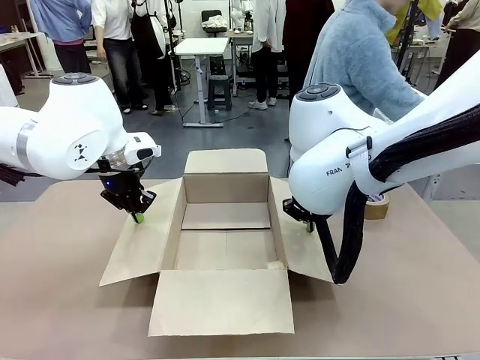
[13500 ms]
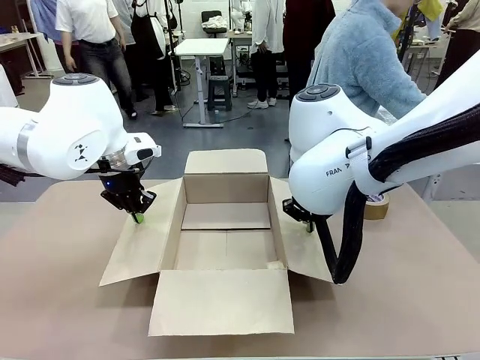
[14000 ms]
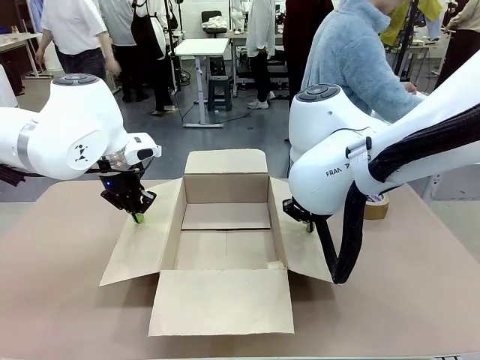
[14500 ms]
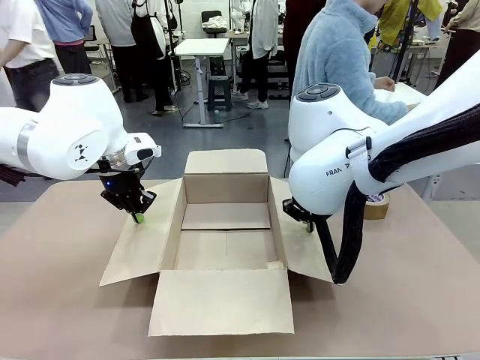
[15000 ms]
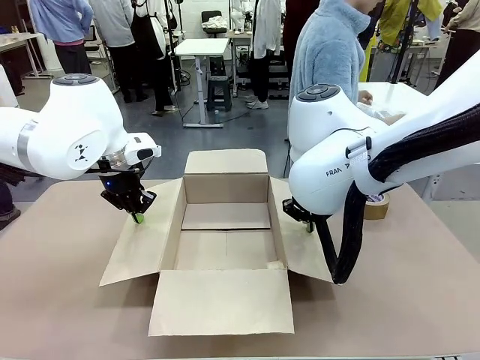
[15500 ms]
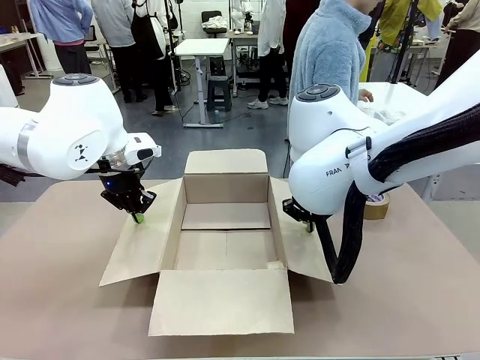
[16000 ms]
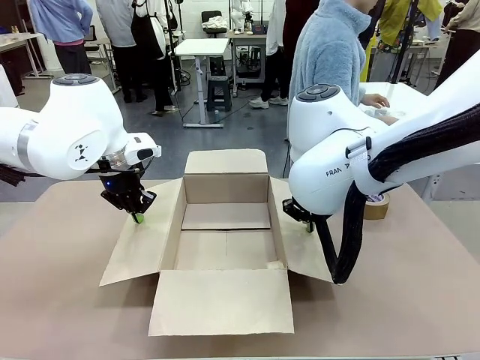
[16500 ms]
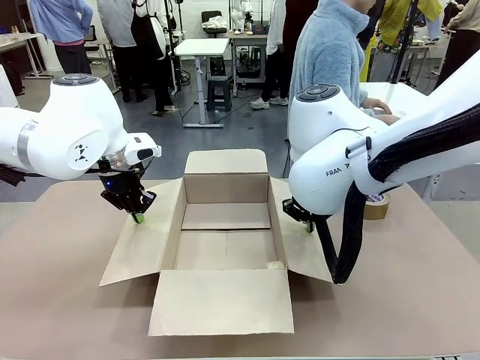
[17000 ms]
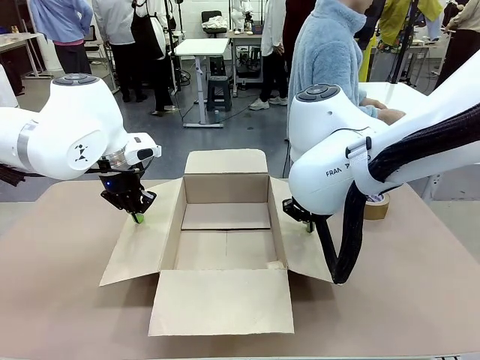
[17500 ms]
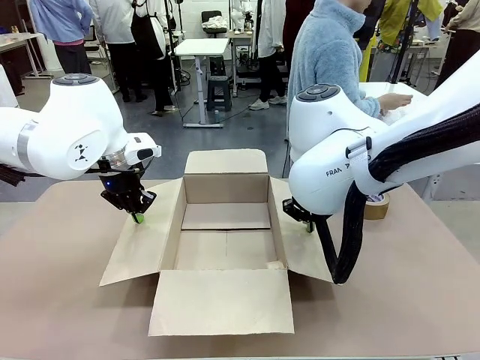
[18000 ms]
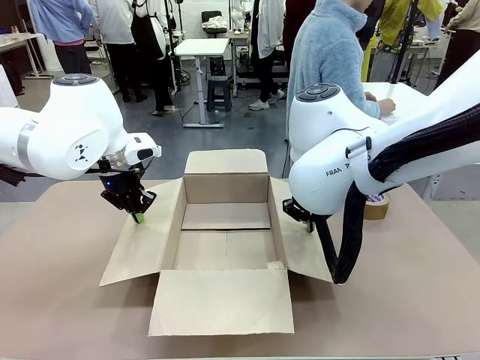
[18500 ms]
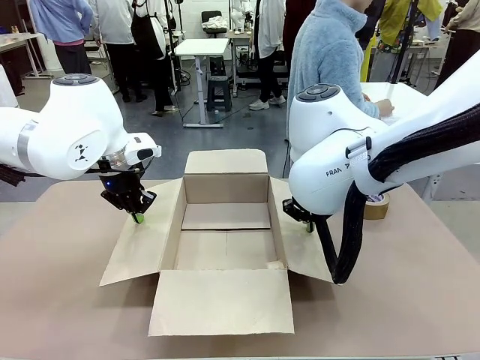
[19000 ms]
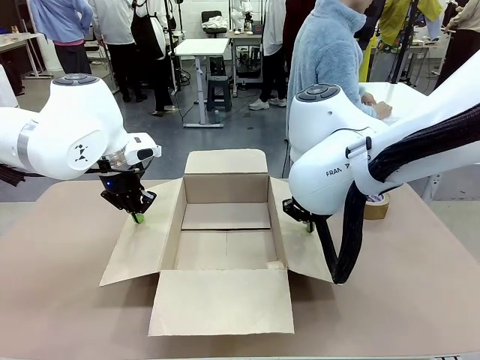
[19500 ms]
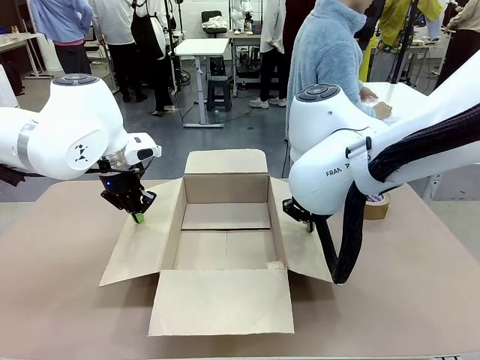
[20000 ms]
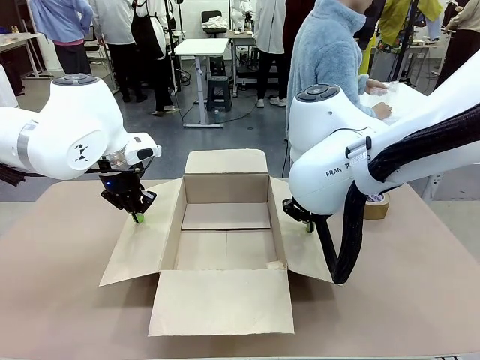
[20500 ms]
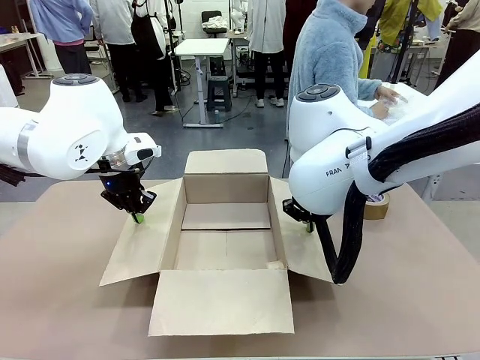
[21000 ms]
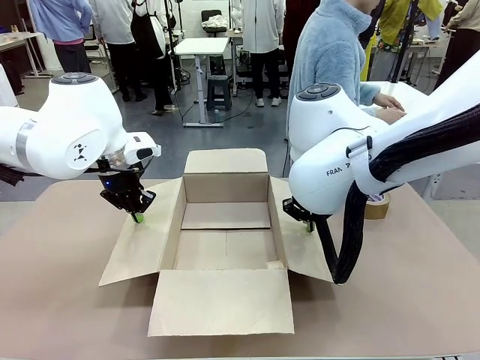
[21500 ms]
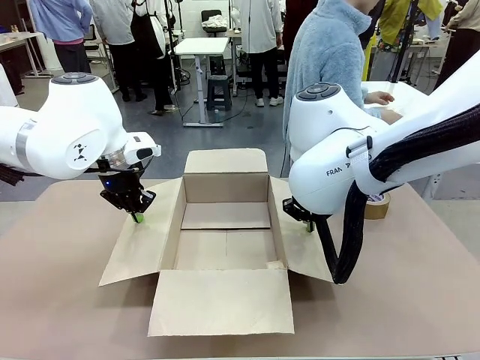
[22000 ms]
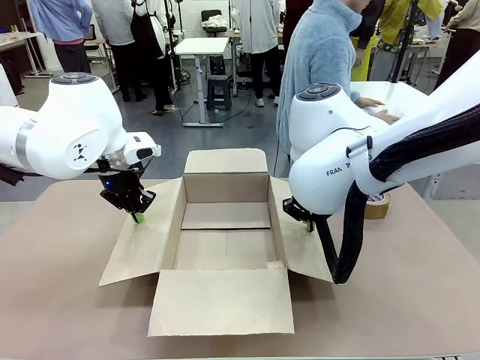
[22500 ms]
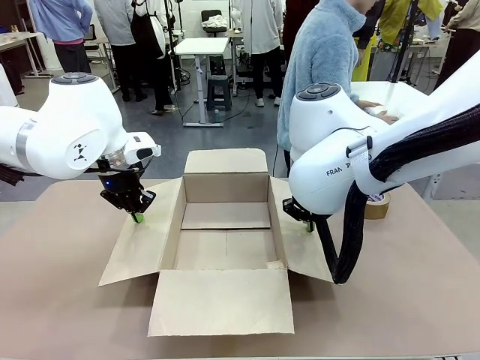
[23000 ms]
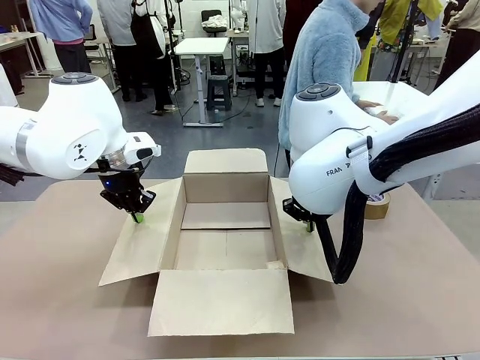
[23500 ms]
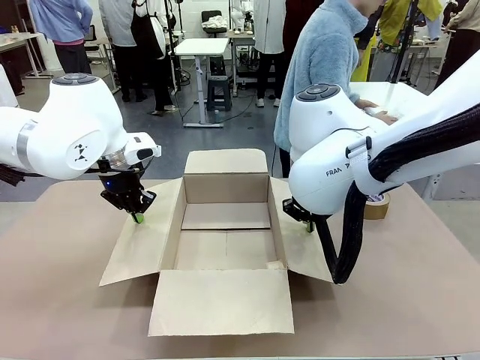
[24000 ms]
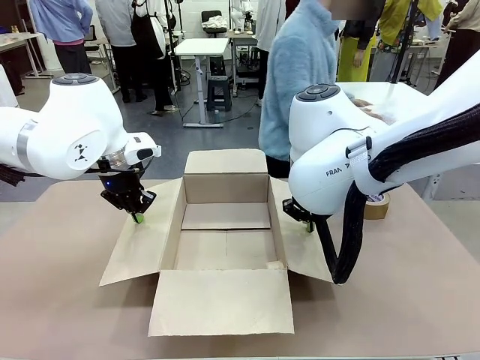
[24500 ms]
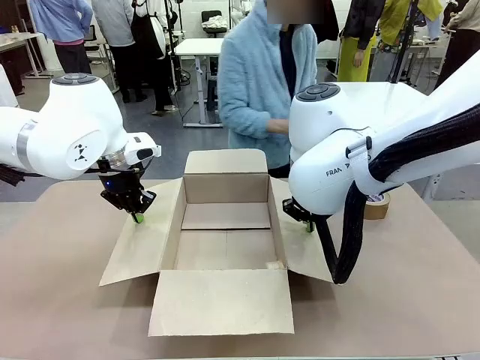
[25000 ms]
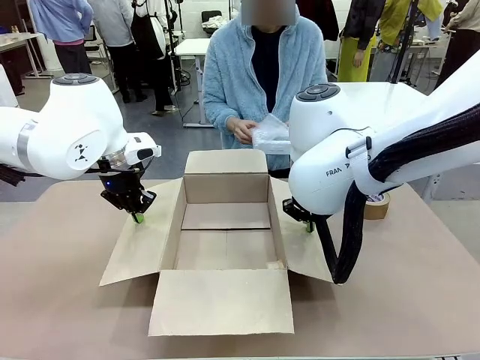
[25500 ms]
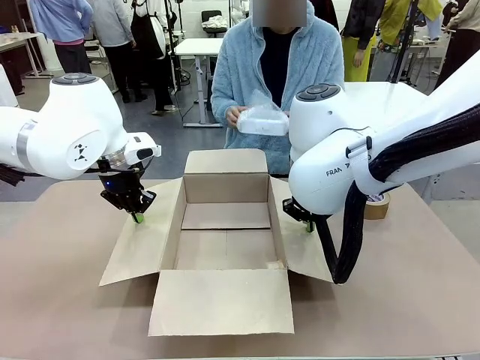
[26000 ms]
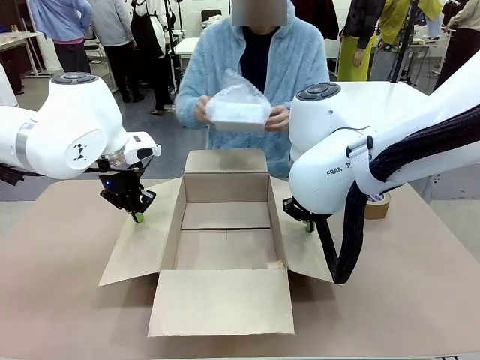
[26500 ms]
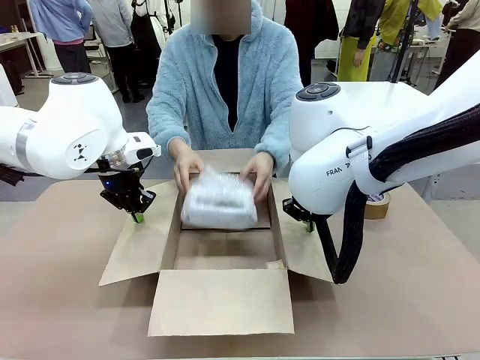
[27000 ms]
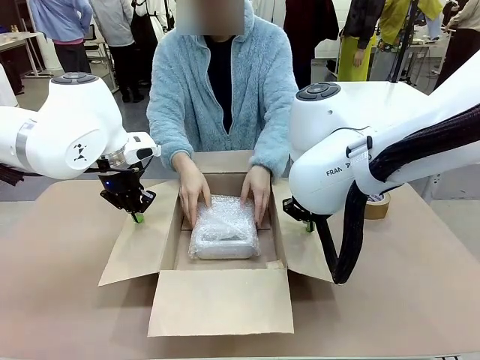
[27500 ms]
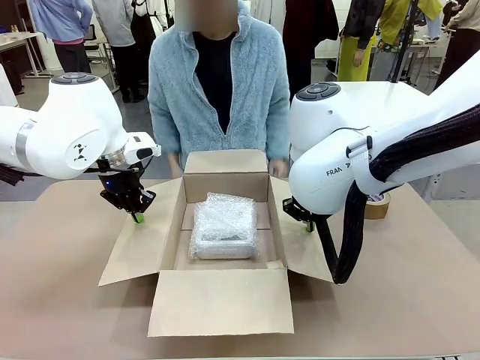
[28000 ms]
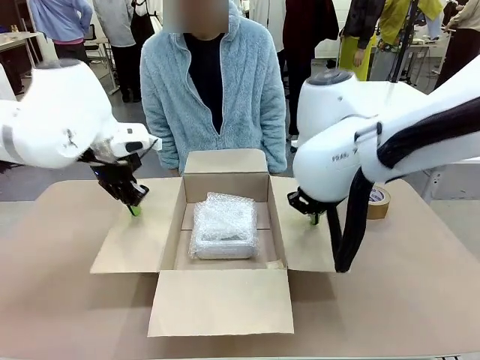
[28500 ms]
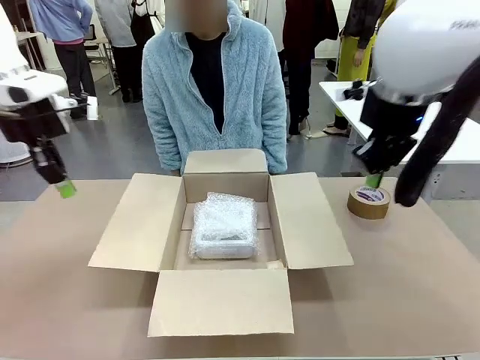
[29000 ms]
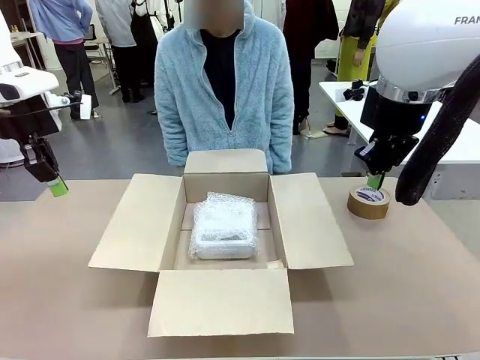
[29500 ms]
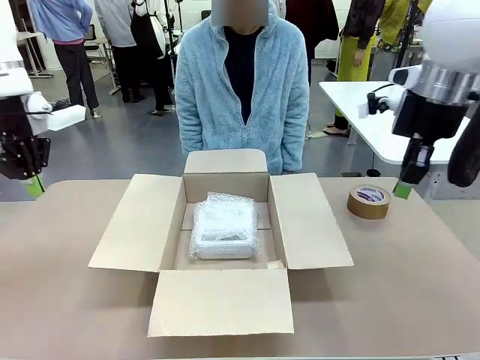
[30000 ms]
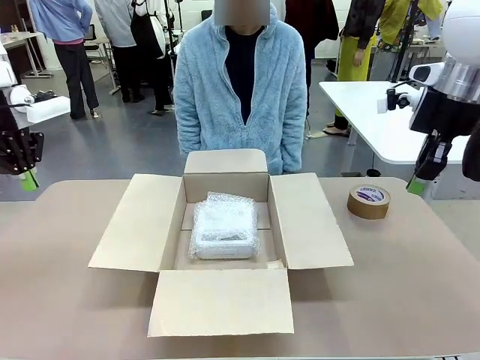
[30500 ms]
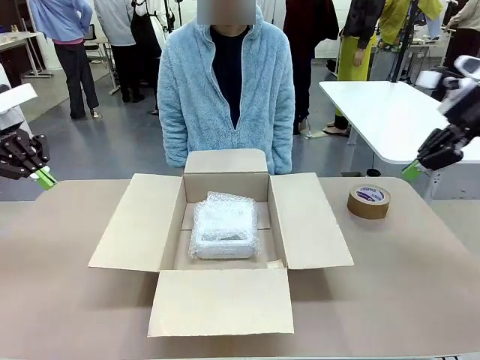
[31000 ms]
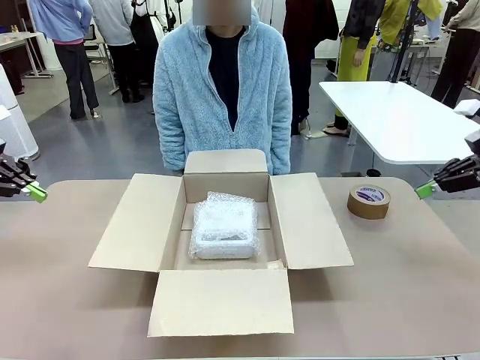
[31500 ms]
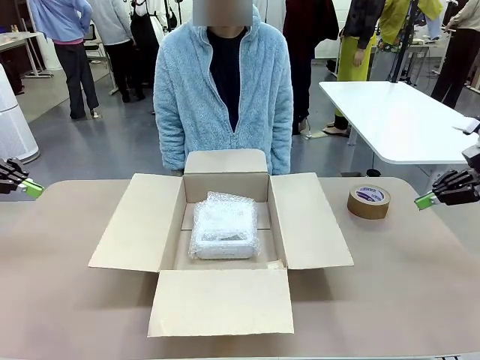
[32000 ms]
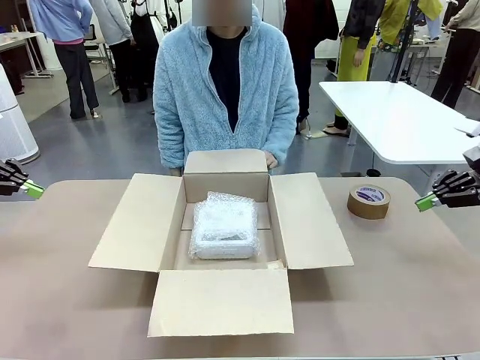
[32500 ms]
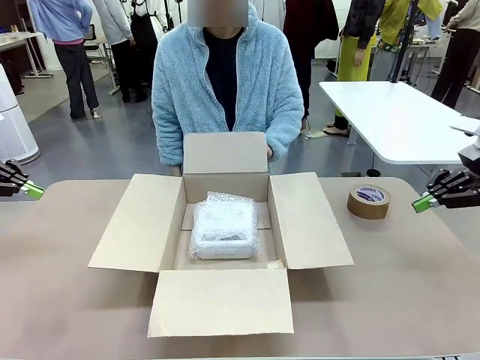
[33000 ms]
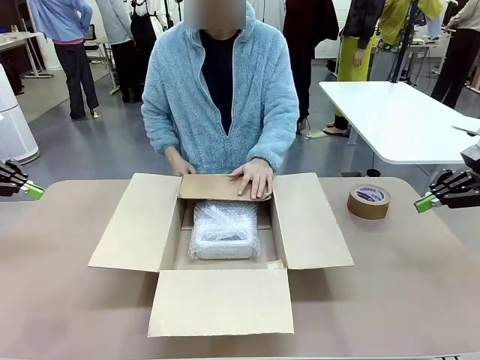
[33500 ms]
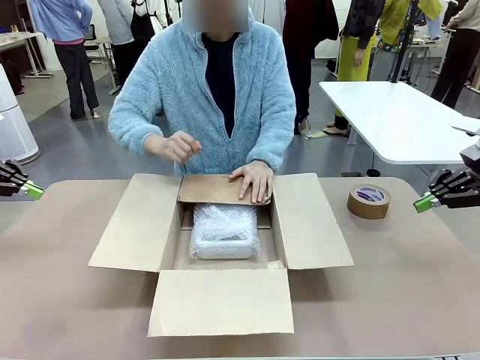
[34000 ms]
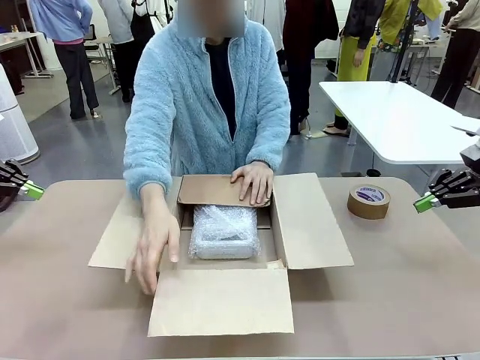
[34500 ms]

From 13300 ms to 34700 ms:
Task: Wrap the clocks to prevent damage.
Robot: Once the human has placed the objects inside and stepped back, release both hands from the side flaps of the Package Box.
Person: Place the wrapped Digital clocks inside the Package Box. Hold the top and bottom flaps of the Package Box closed with your left (or right) hand.

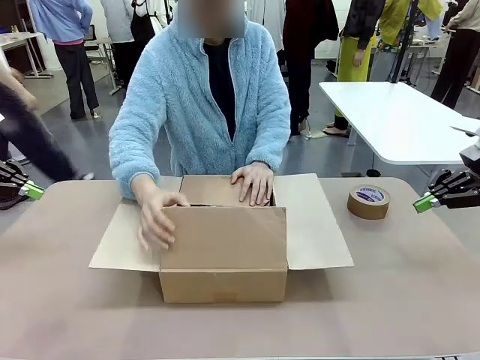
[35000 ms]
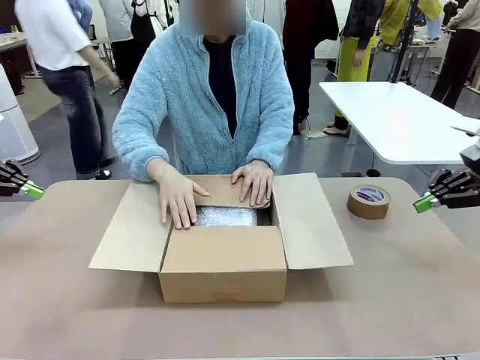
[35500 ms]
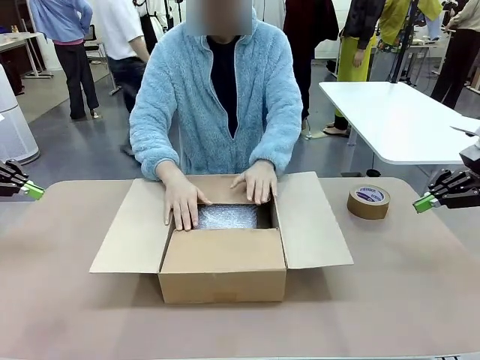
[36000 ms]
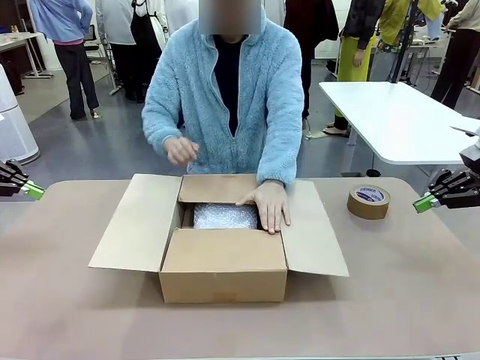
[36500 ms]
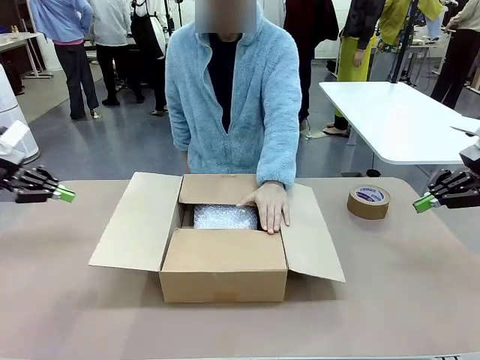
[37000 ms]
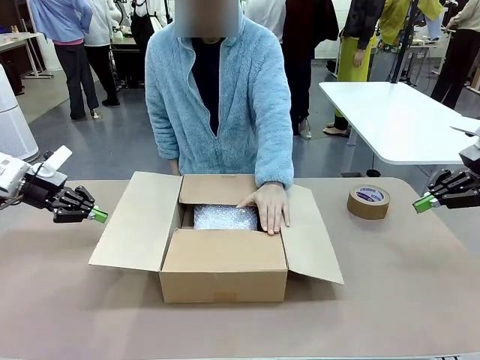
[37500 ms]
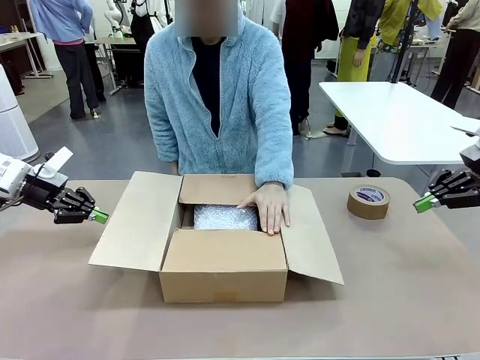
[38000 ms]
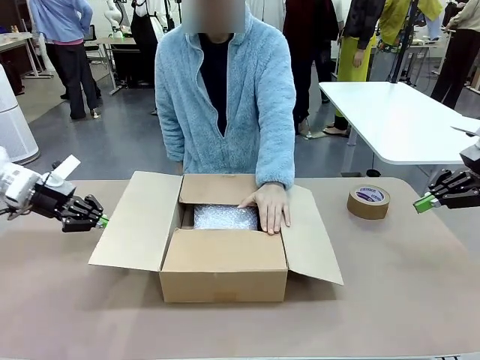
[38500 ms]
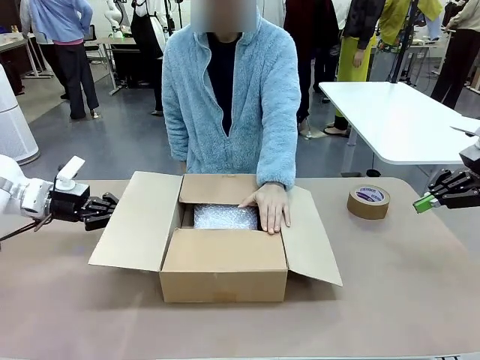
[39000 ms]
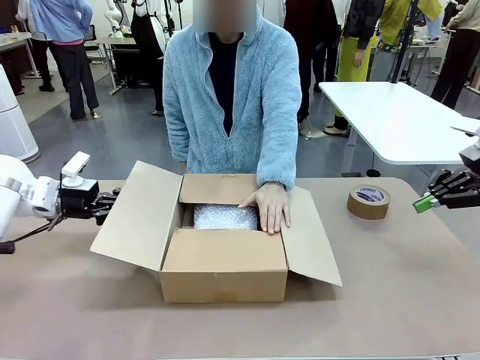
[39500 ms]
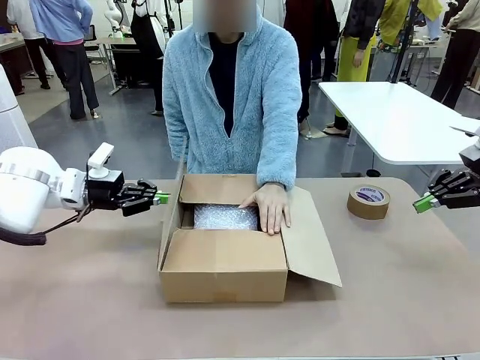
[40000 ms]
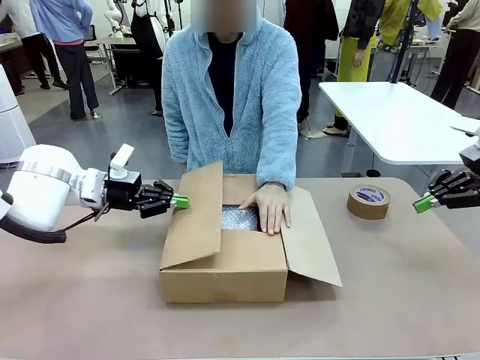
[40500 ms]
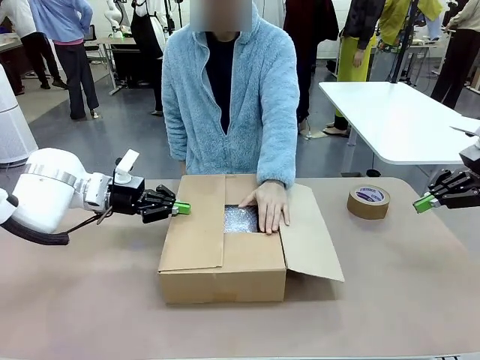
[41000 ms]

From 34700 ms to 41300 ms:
Robot: Push the right (or left) flap of the Package Box to close it.
Person: Once the robot closes the right flap of the Package Box , release your left hand from the box.
